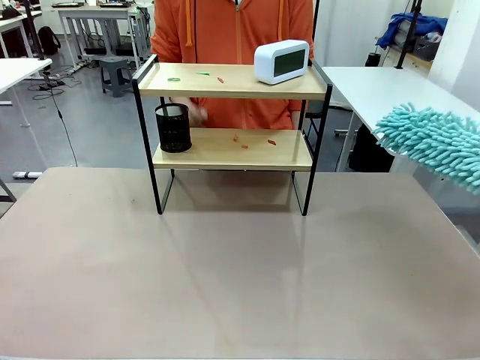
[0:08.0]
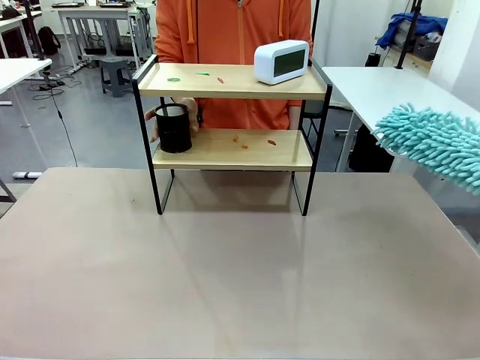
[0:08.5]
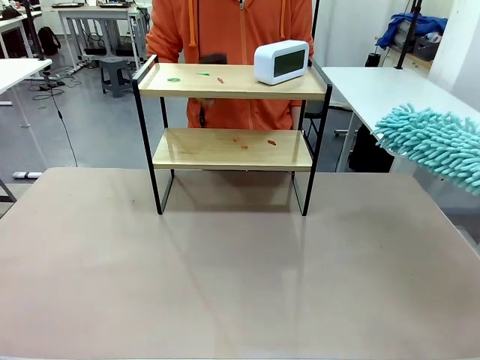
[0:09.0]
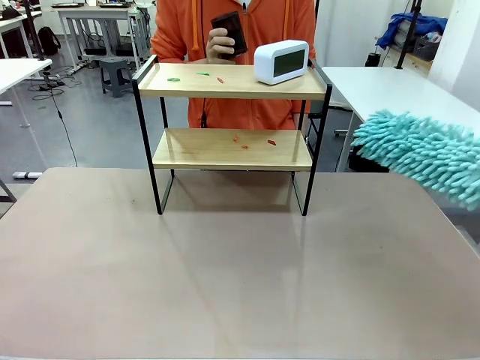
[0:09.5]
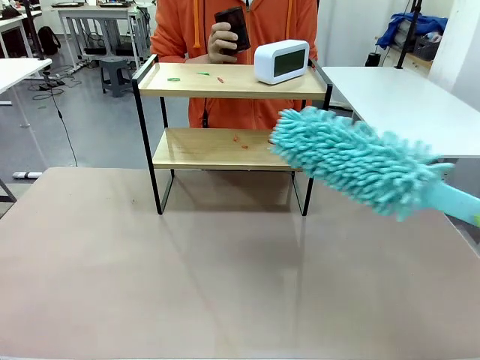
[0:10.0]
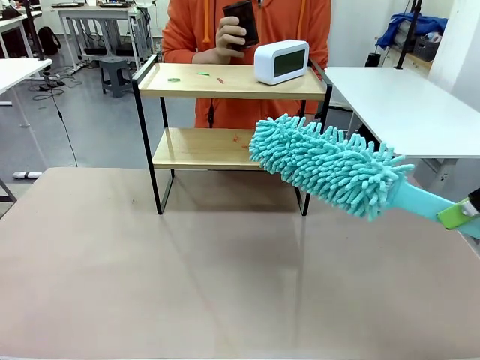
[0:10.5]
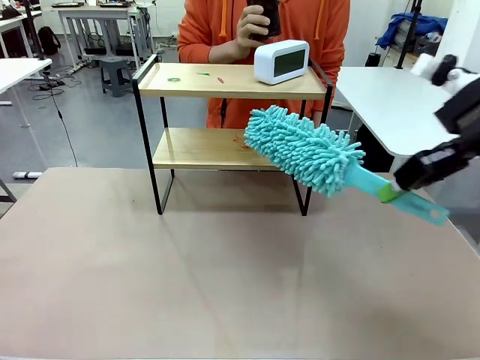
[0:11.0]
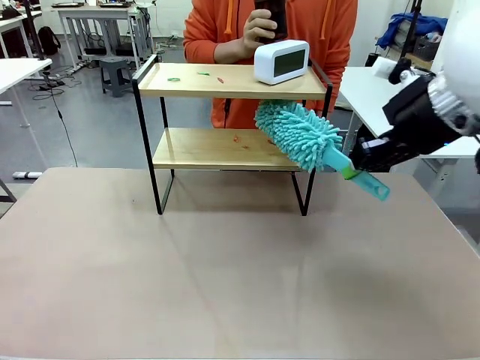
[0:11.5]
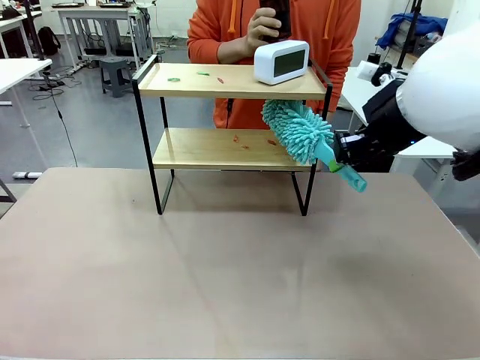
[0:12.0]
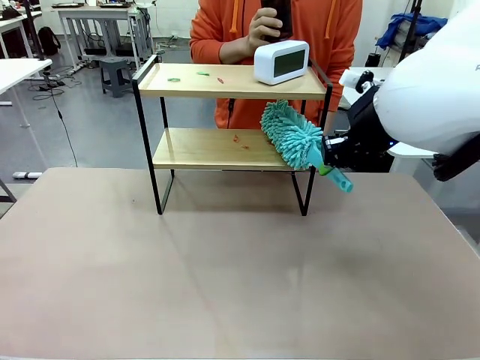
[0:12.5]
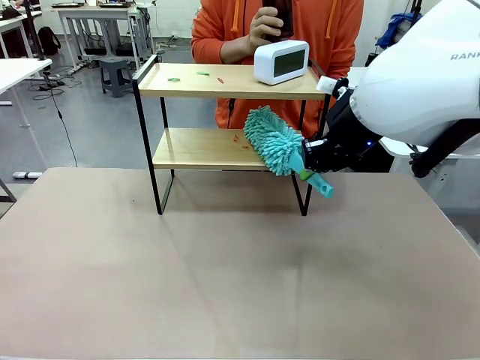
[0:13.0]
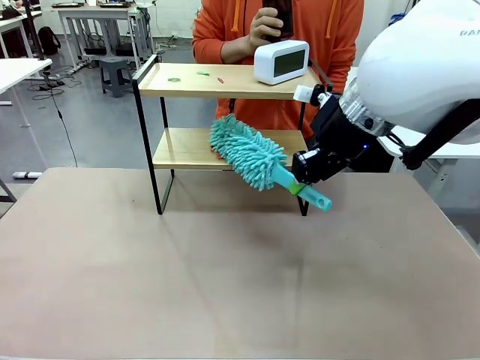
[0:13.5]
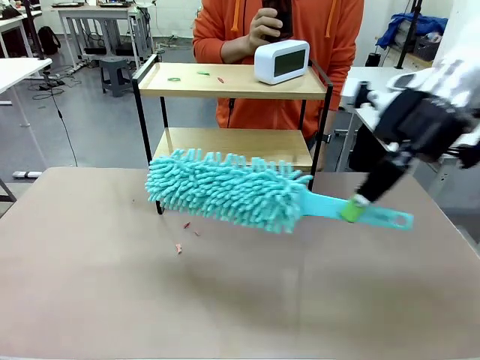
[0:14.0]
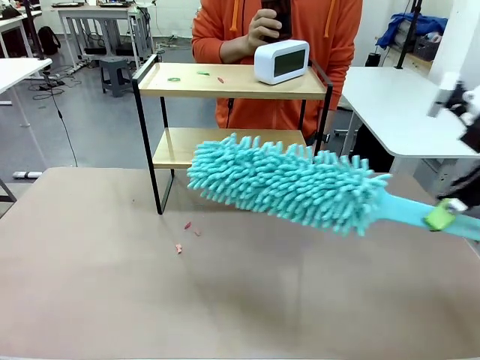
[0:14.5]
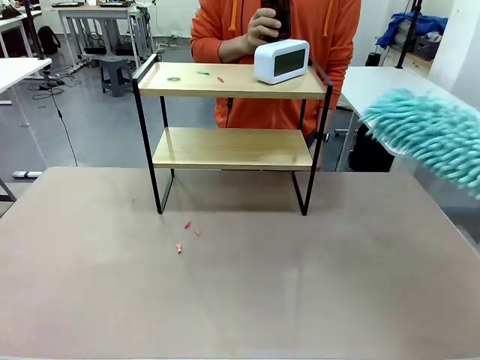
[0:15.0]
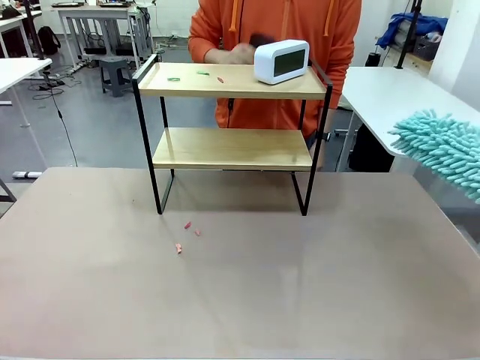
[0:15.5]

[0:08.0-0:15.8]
Task: Clean the shelf.
Robot: Clean the specific tier of the Shelf with the Duster once objects are removed.
Person: Lift the objects on a randomly selected tier of the Shelf. Once the robot finishes cleaning, lift the objects on the remaining tiers of the Shelf.

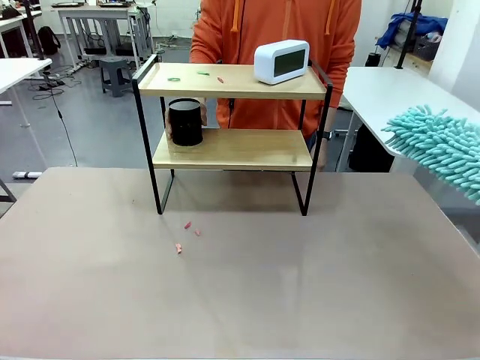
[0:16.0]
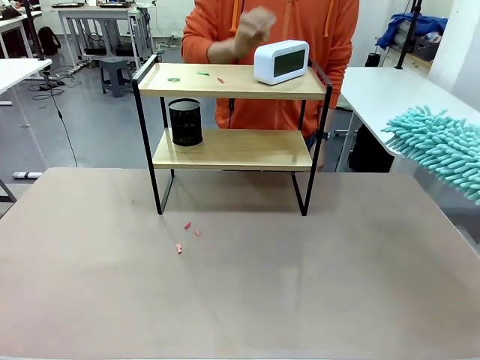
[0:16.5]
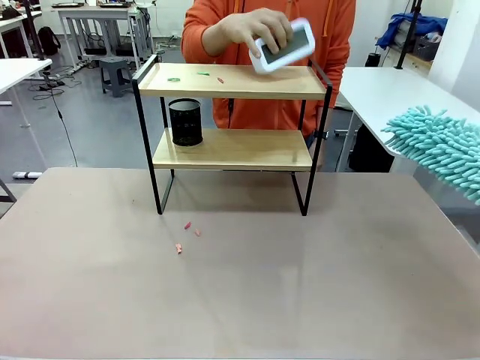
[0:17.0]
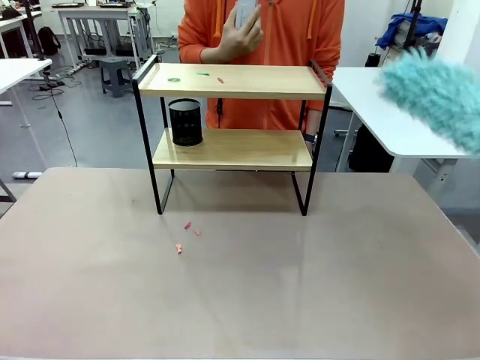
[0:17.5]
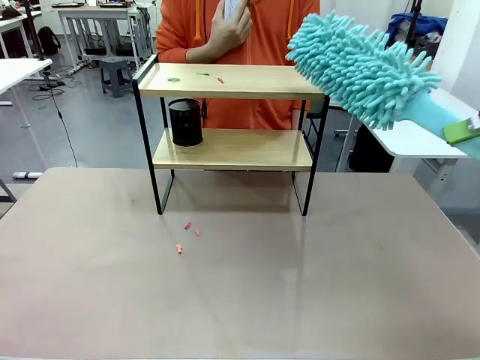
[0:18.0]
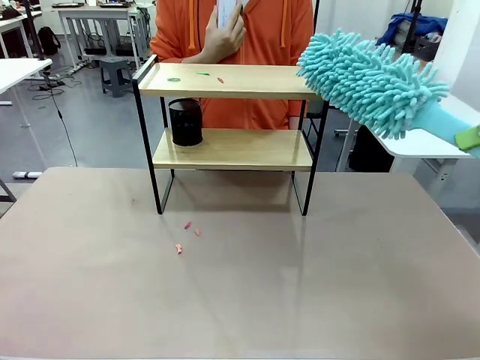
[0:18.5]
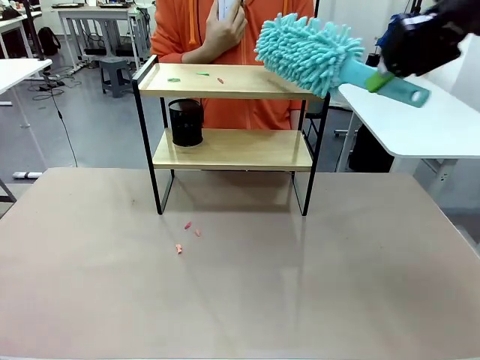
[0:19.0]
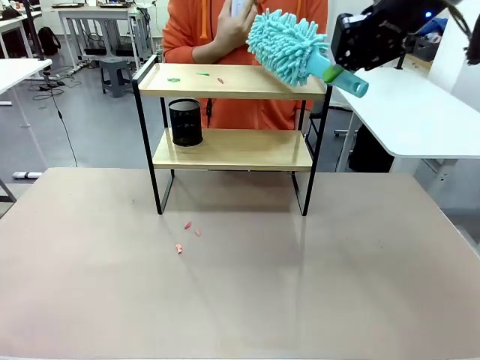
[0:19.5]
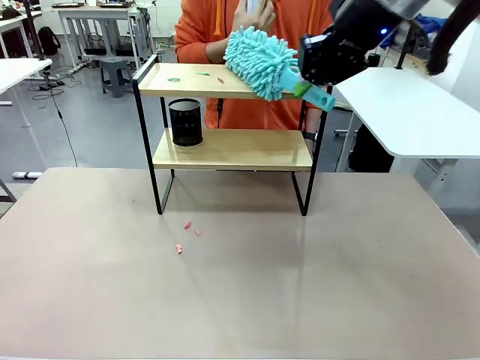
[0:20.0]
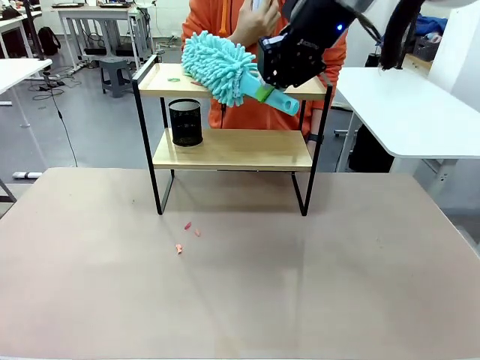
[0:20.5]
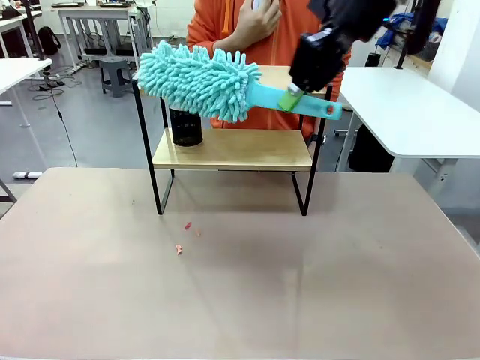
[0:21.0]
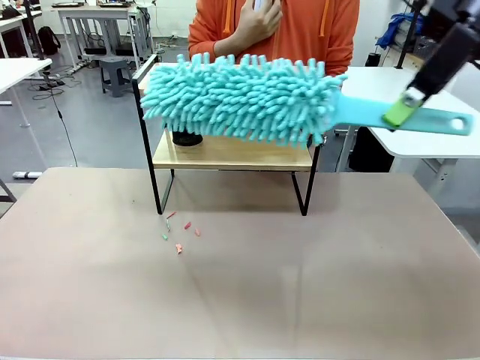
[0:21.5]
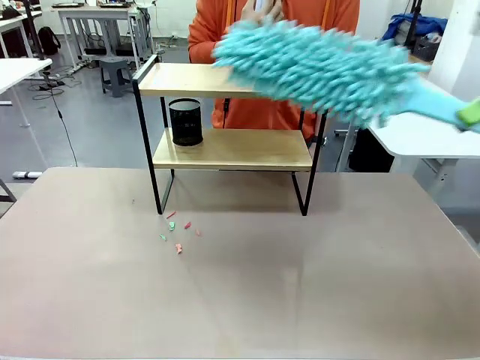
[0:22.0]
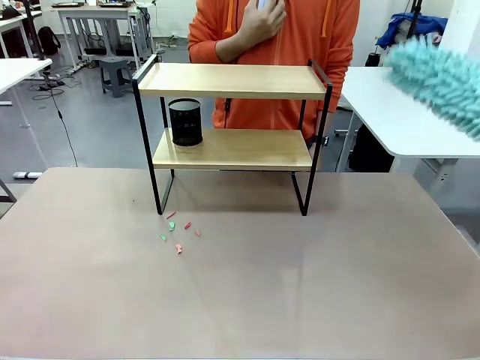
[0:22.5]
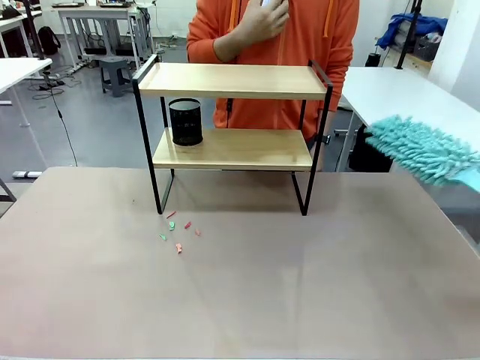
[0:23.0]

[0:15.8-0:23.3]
Robot: Clean the remaining tier of the Shelf with the Duster once objects are removed.

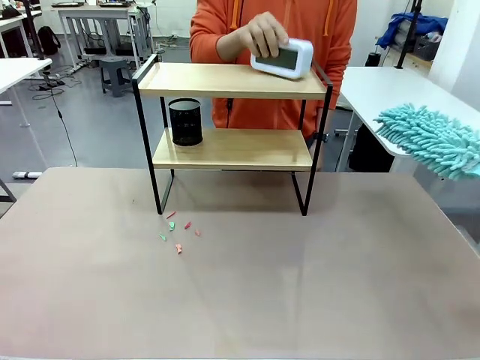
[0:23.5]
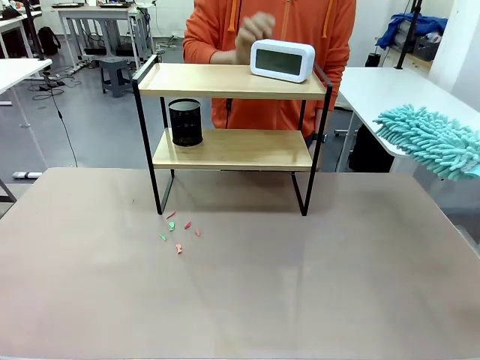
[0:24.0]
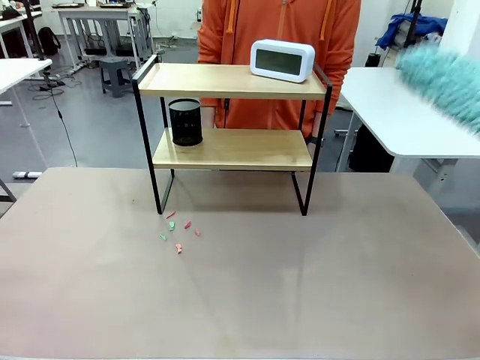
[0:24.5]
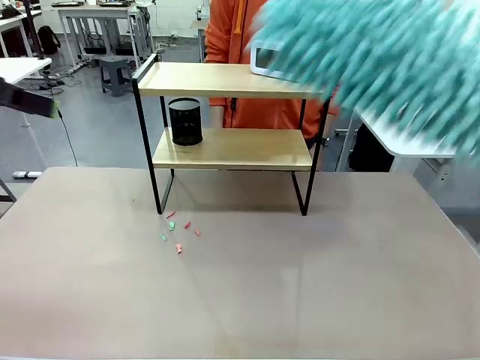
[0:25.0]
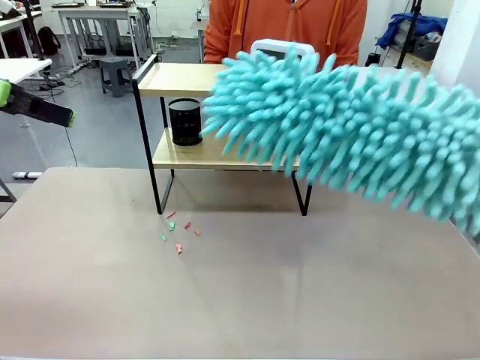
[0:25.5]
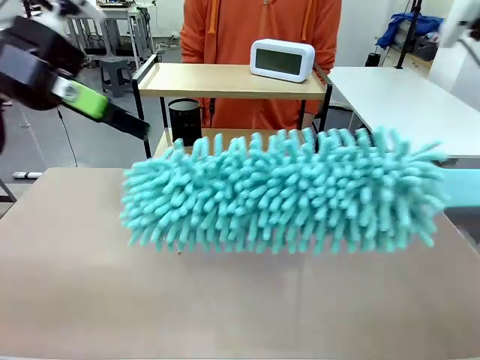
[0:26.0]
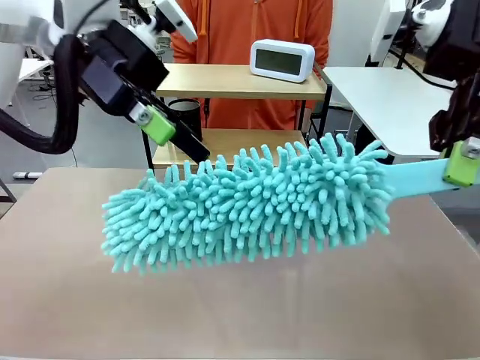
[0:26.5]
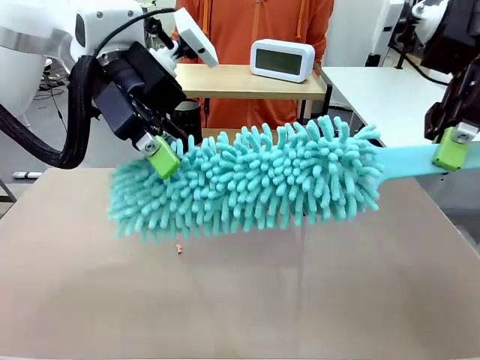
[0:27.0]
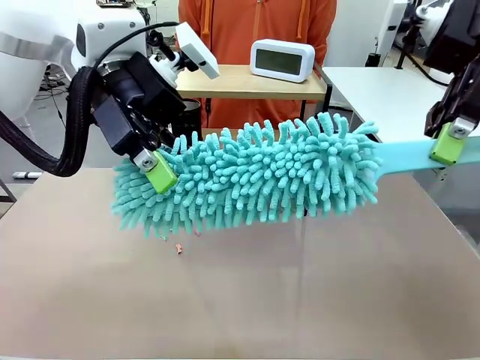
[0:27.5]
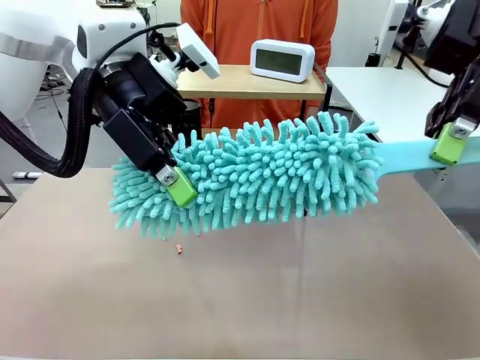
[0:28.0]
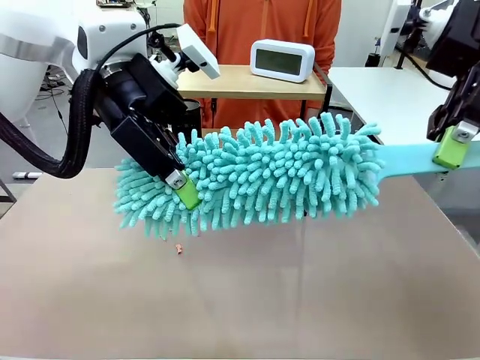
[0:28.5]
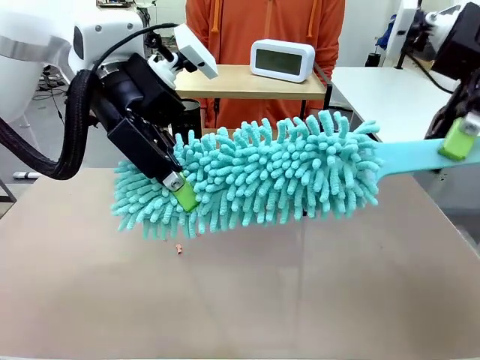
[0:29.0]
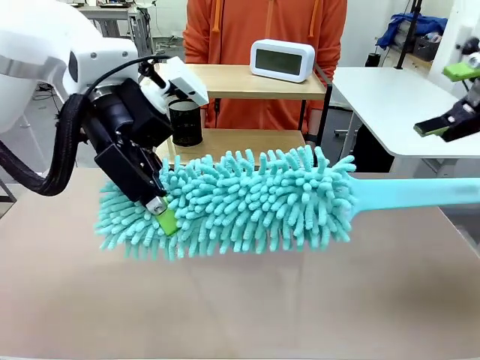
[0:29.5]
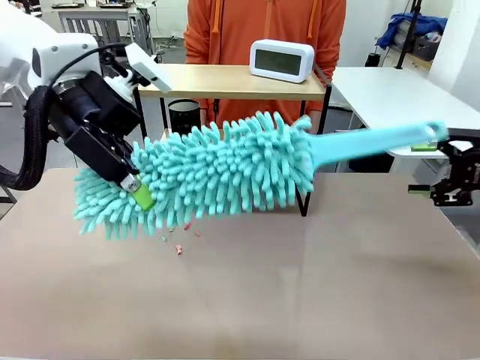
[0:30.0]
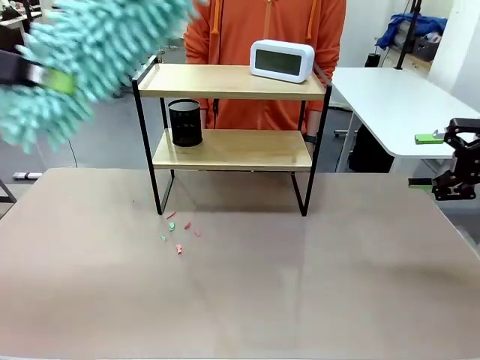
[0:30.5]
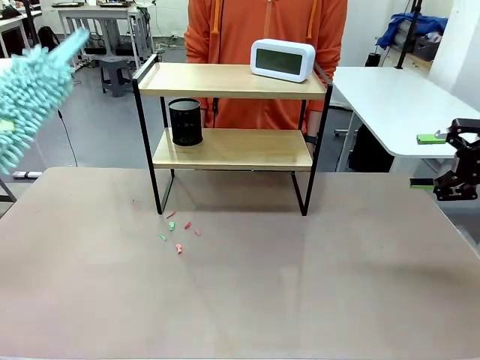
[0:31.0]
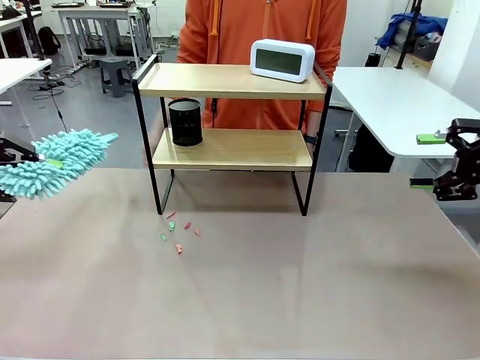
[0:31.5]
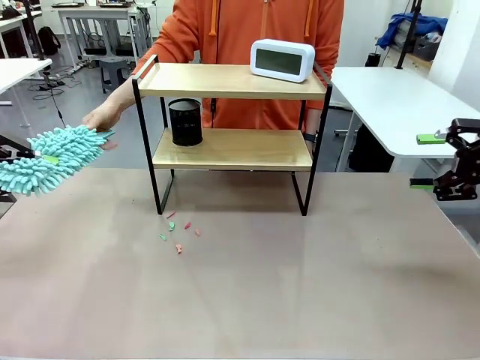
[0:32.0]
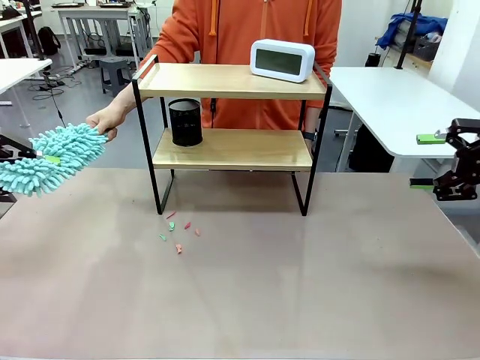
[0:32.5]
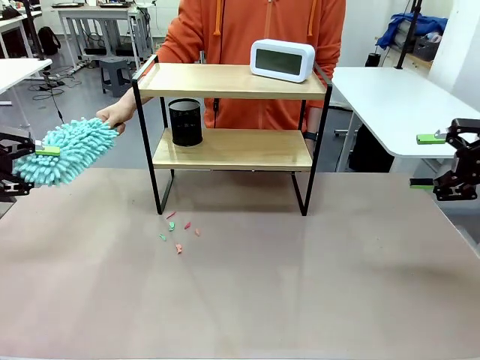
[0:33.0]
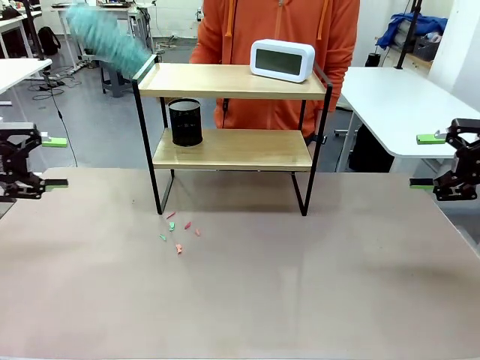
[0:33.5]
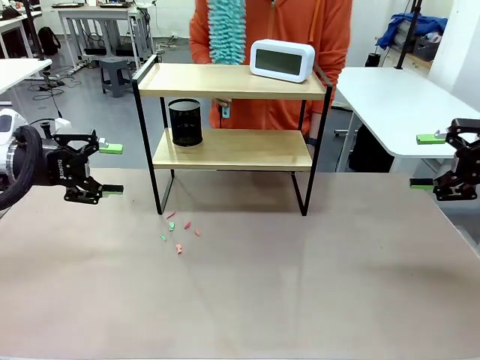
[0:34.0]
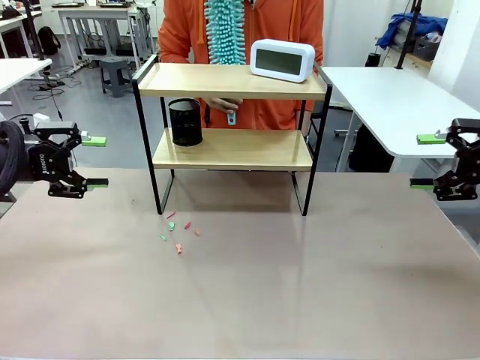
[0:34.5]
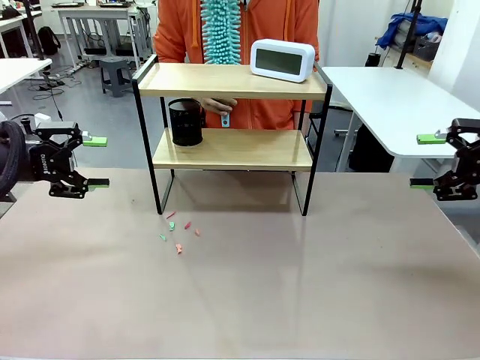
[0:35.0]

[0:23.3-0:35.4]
Robot: Hand the Duster back to the human.
Person: Receive the Duster from the robot.
